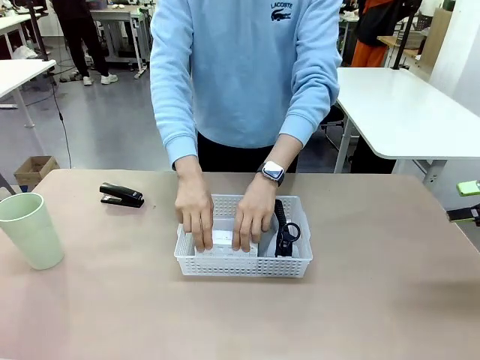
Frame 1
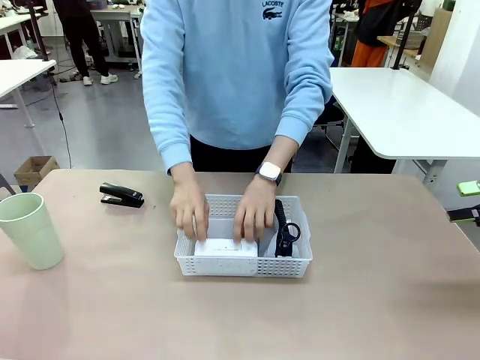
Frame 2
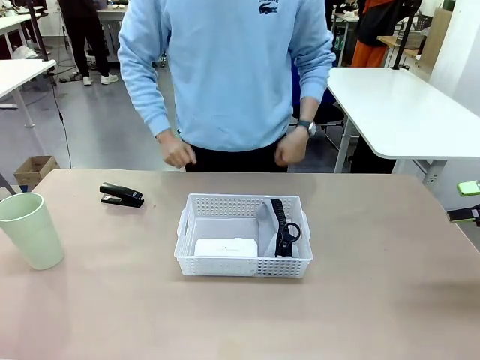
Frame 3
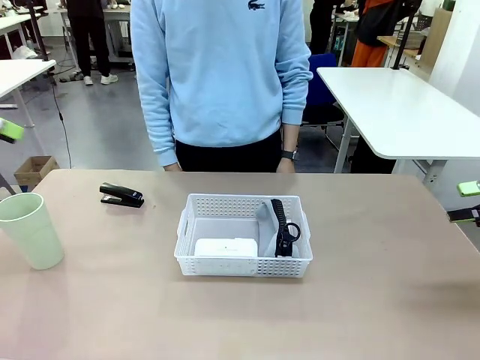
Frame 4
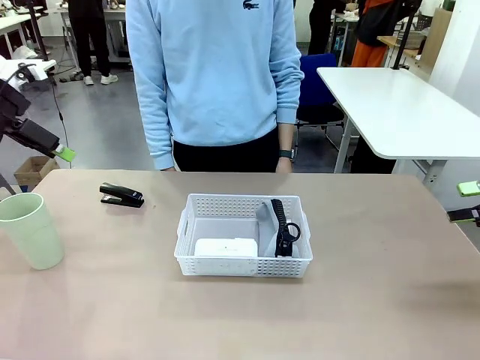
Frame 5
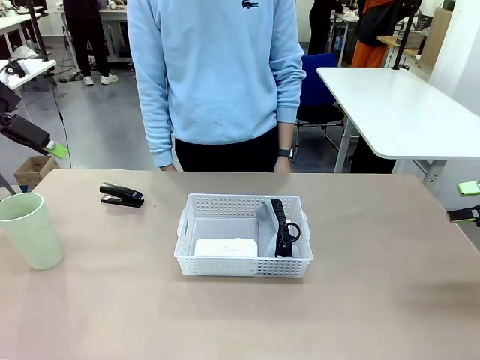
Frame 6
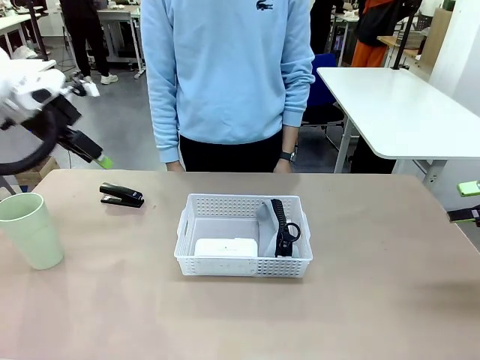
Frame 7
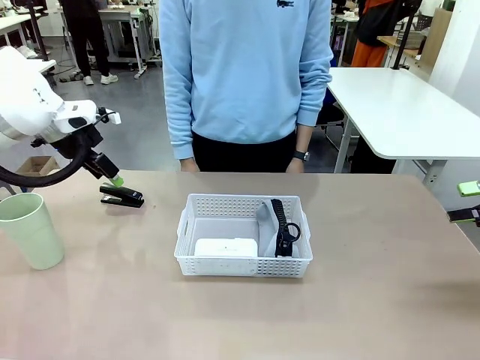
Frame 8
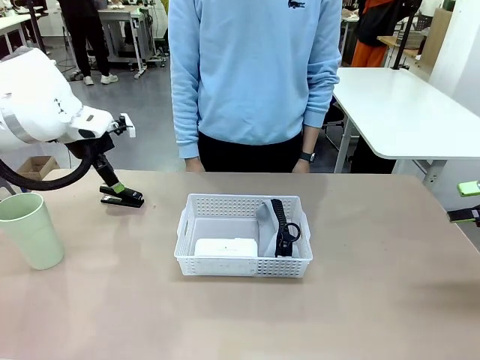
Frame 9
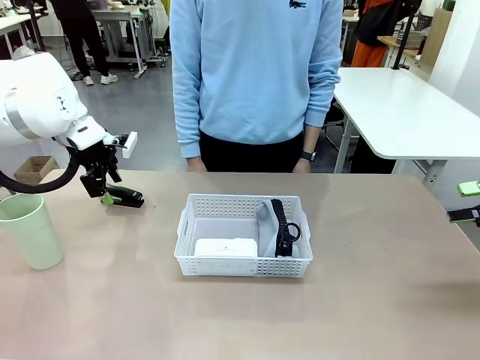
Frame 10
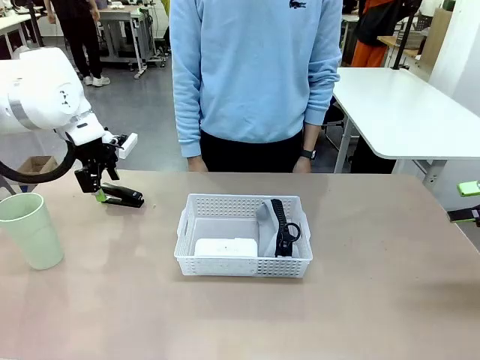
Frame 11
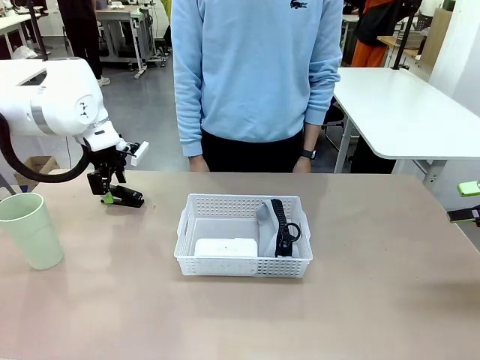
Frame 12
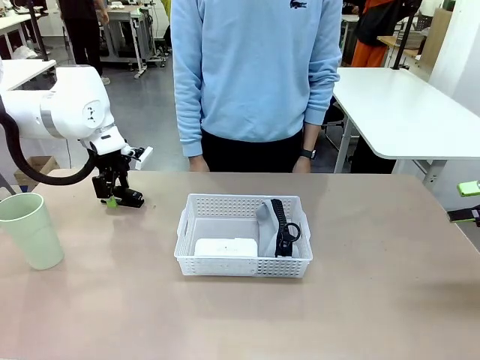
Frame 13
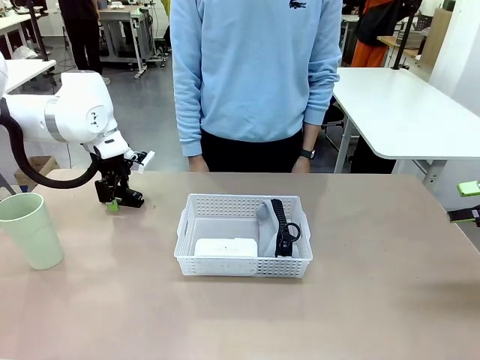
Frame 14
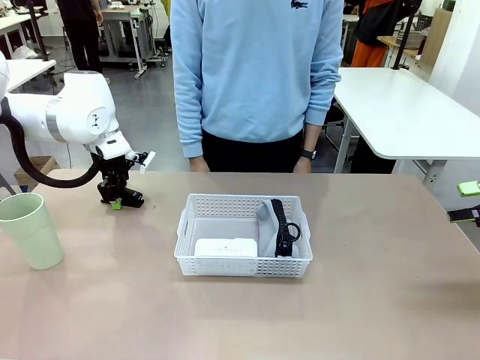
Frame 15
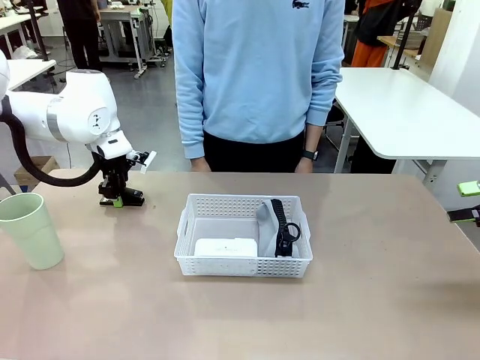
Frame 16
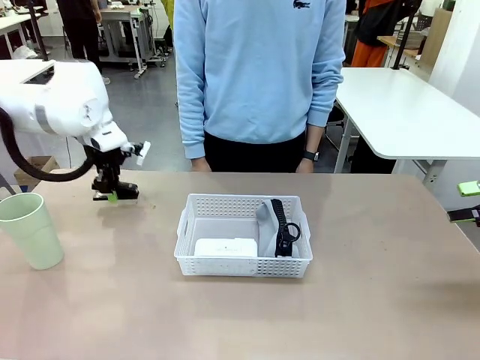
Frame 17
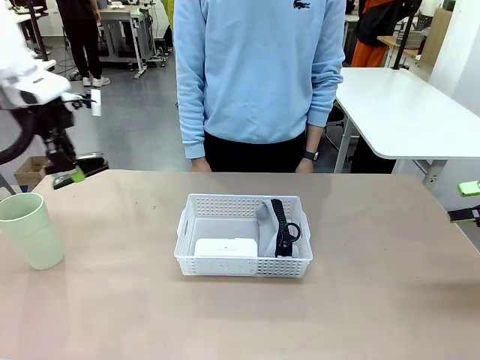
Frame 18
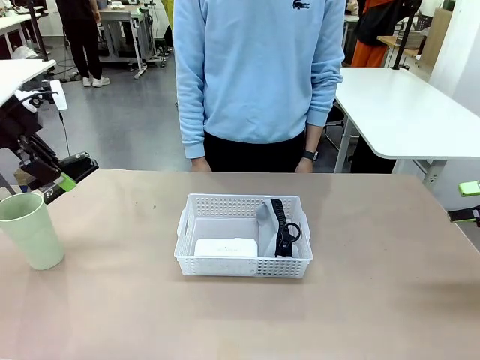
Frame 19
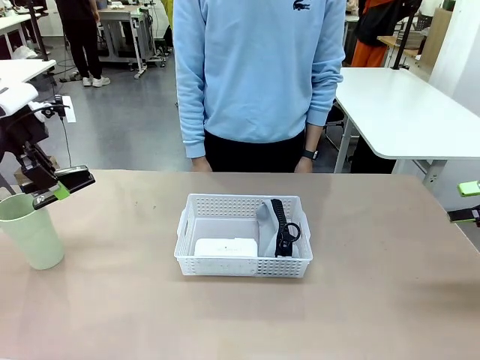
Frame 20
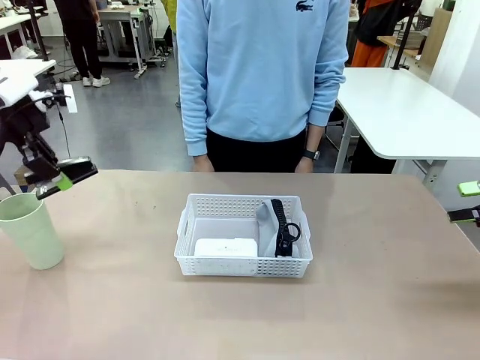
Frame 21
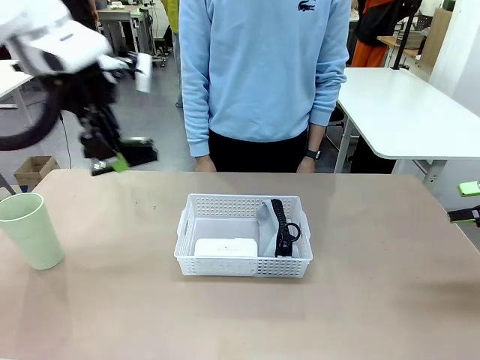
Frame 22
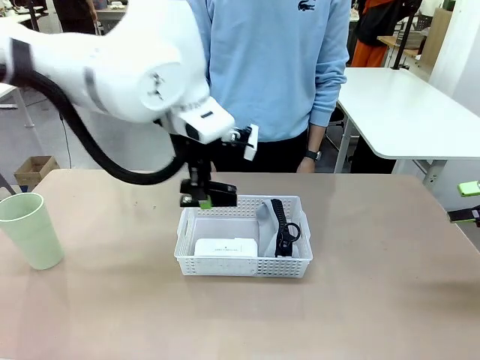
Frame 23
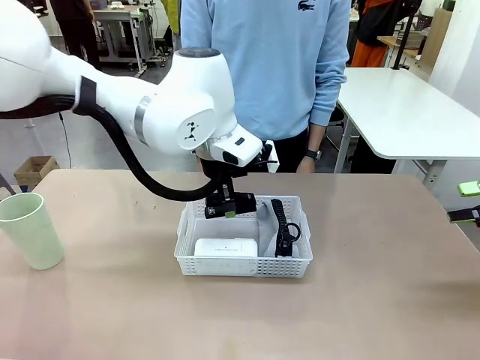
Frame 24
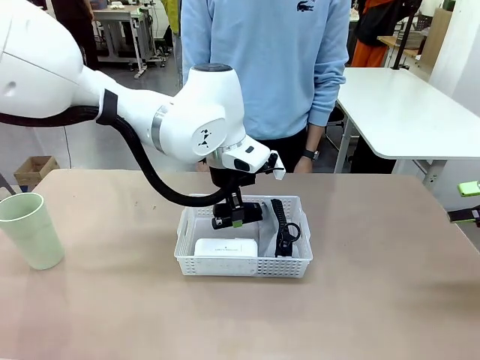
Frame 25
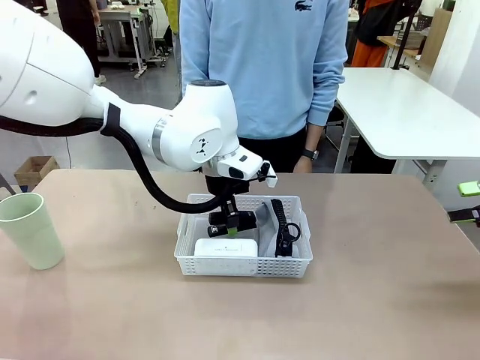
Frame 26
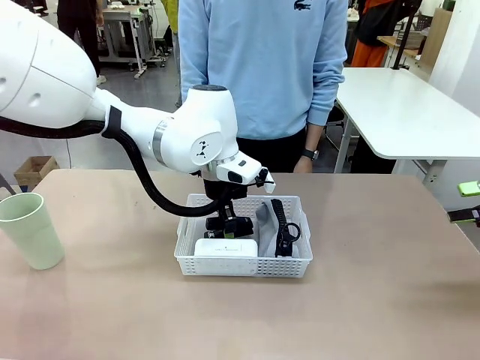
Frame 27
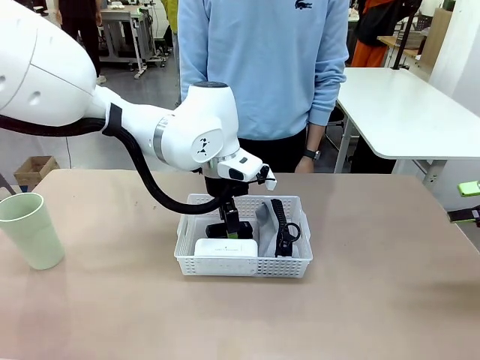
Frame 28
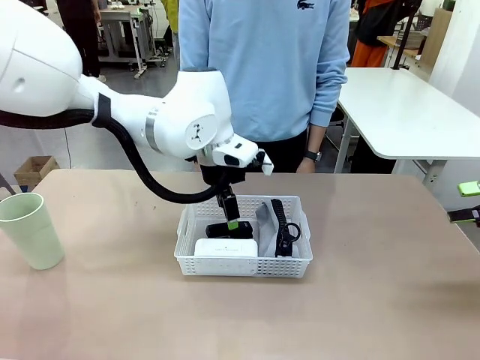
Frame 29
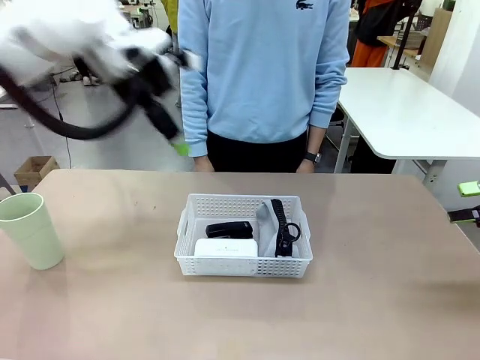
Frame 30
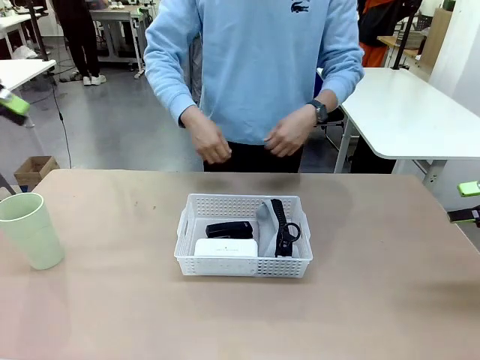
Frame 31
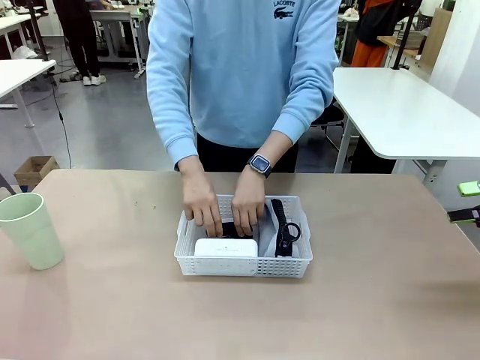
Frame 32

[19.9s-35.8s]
Task: Efficiently arrange items inside the basket to fit them all.
Robot: Pick up the Stapler and place it inside the Organizing basket.

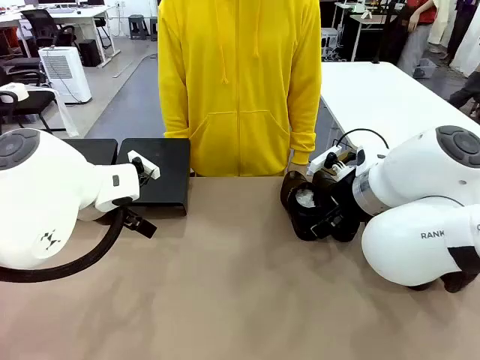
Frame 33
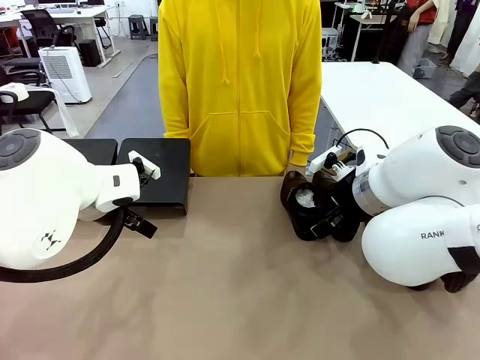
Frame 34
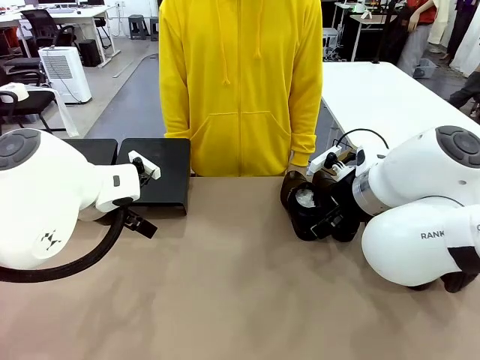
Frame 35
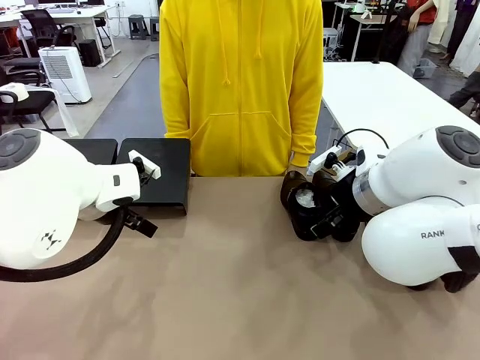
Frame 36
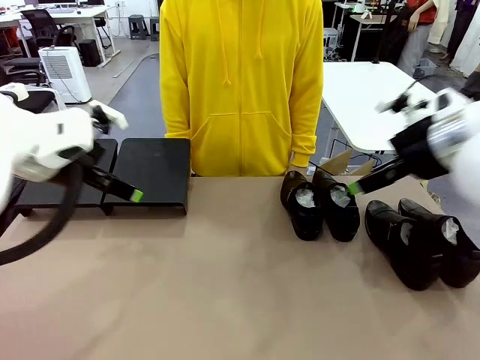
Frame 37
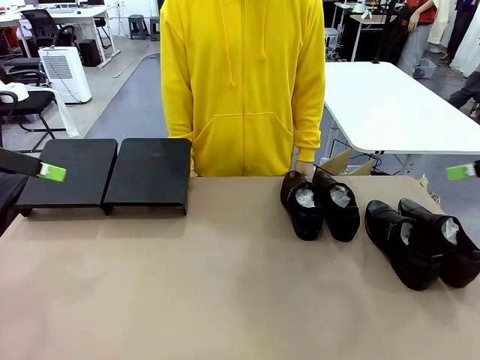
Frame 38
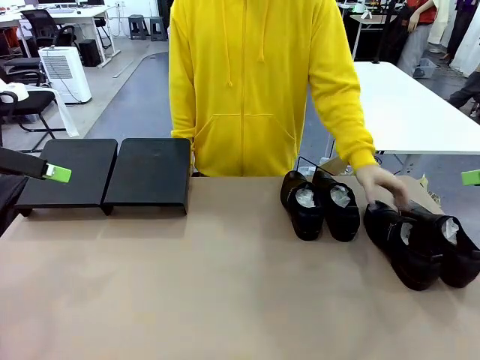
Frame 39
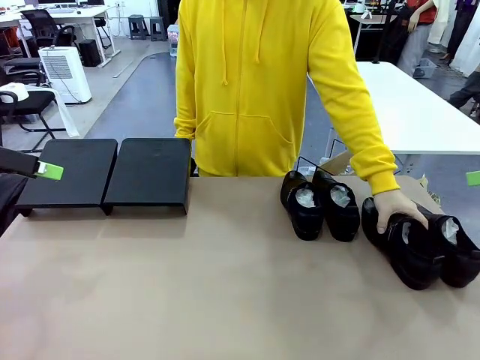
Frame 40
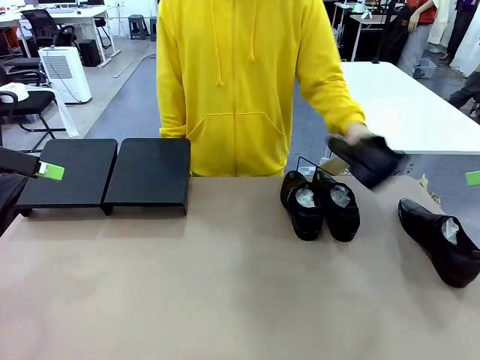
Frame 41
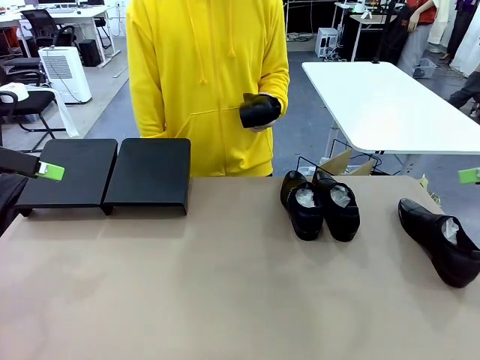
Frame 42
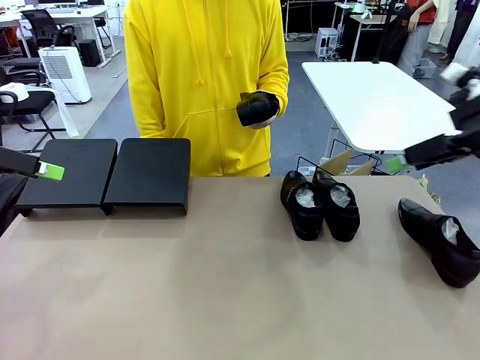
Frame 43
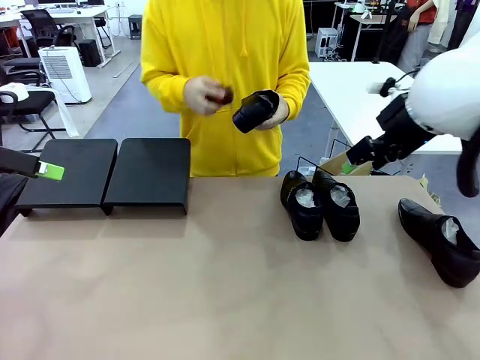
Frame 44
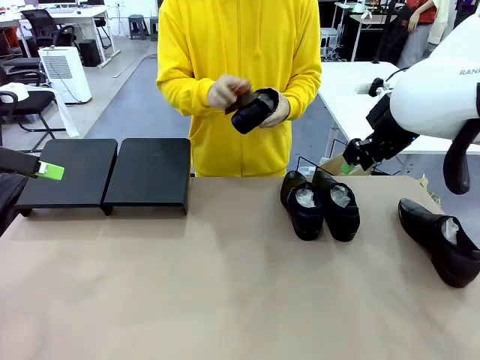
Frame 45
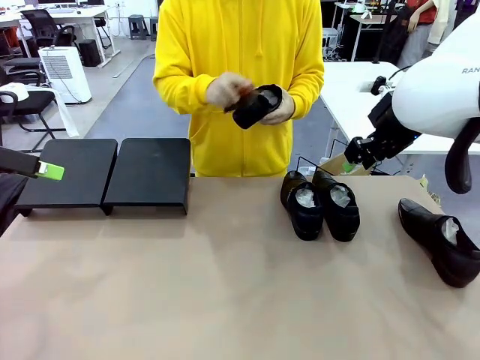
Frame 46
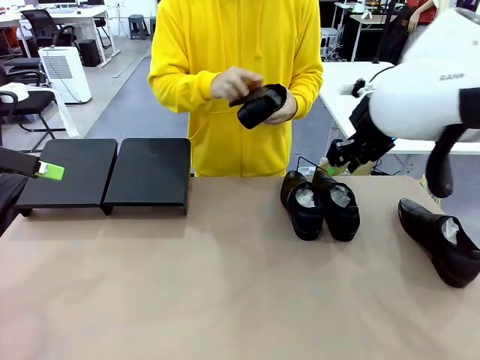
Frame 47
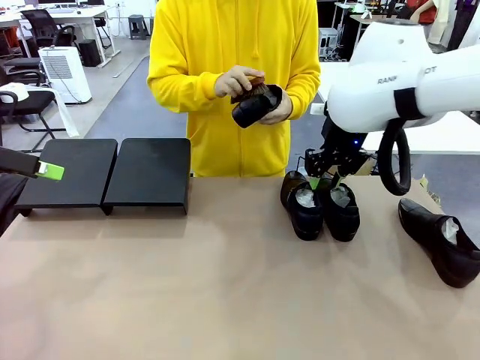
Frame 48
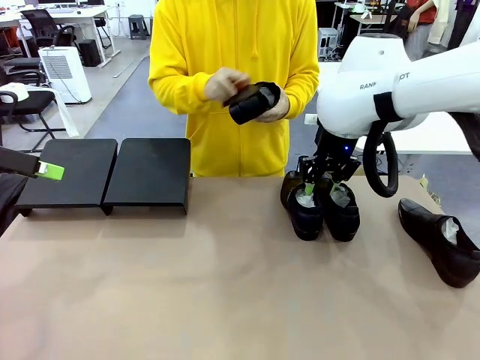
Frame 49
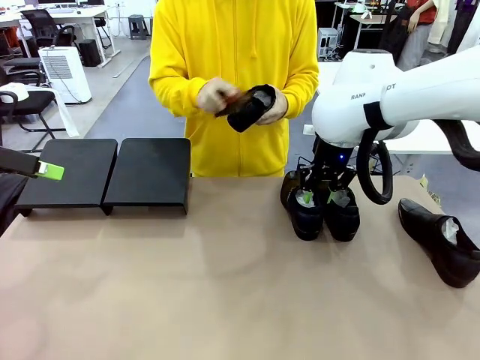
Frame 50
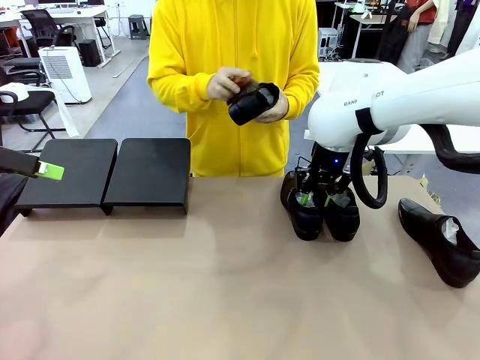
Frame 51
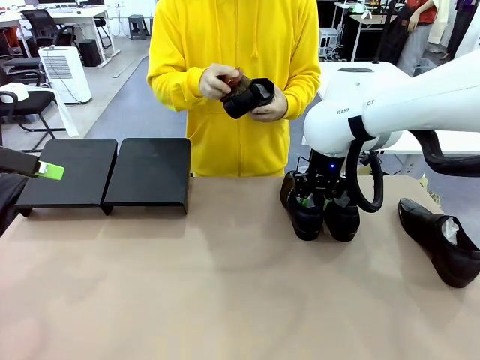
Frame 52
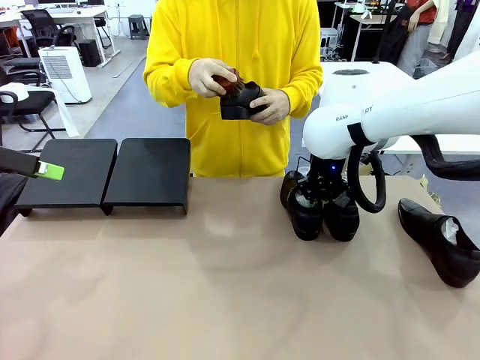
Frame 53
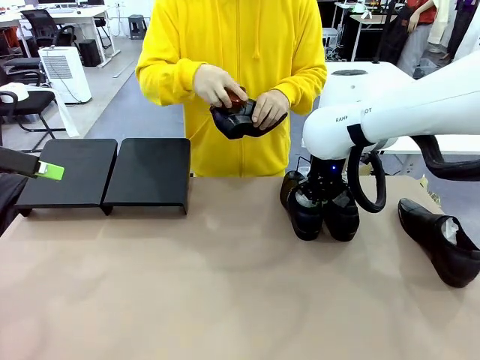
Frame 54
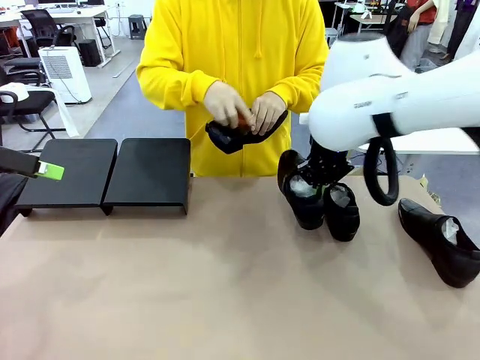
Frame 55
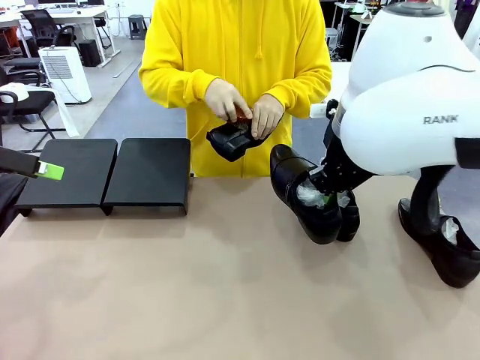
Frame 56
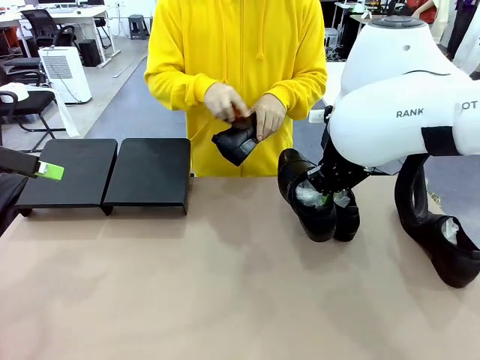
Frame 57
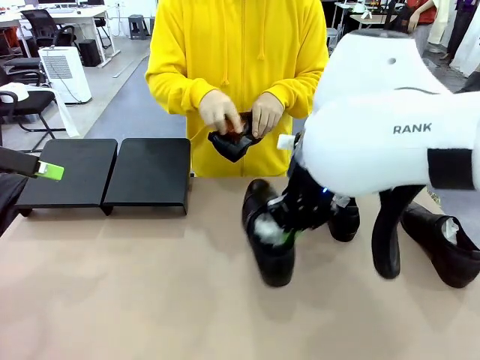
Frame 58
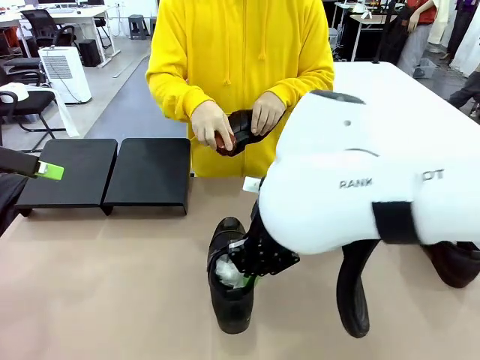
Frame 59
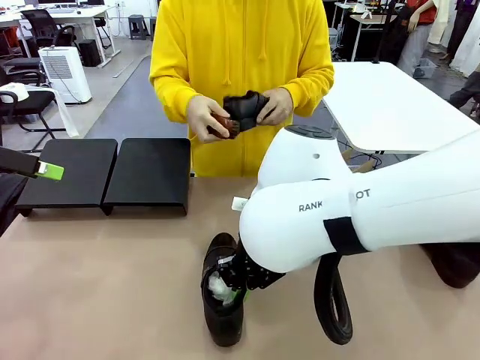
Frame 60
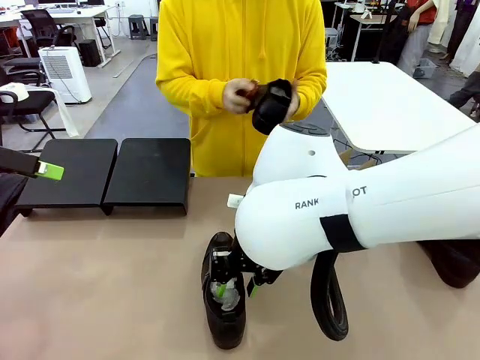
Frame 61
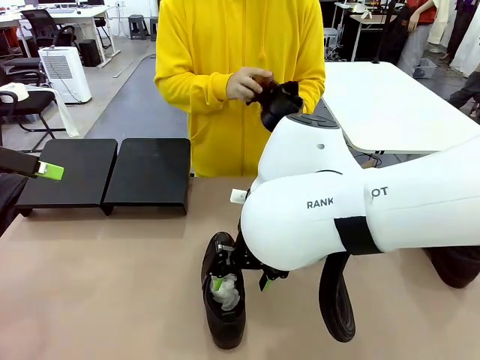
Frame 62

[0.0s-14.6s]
Task: Organize the shoes by placing them on the stand.
Robot: Pick up one Shoe and place it in the middle of the table.
Person: Pick one Shoe on Robot's table. Clean the Shoe with the Shoe Brush.
